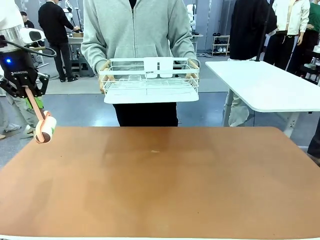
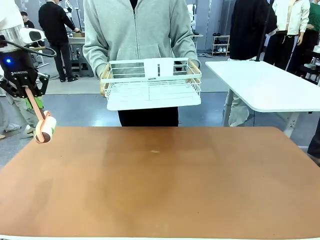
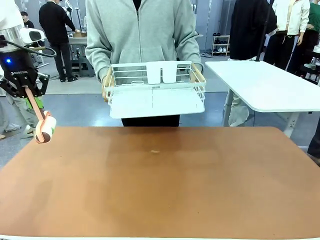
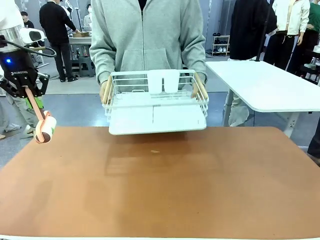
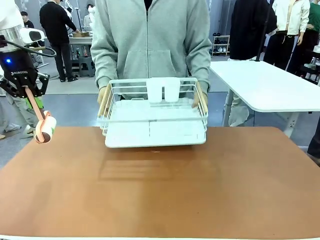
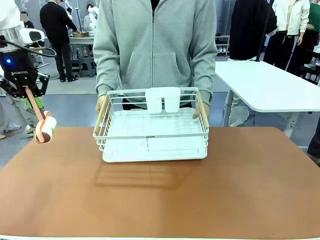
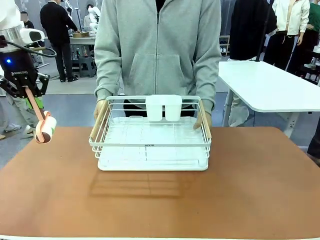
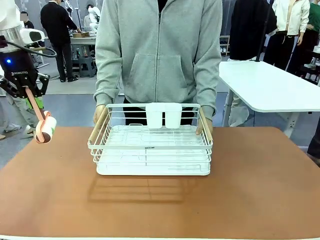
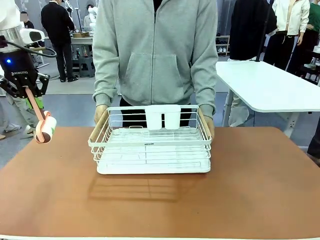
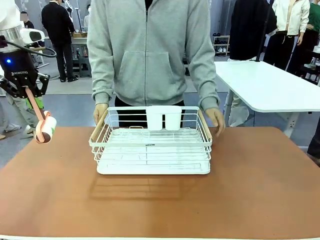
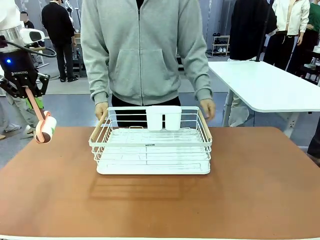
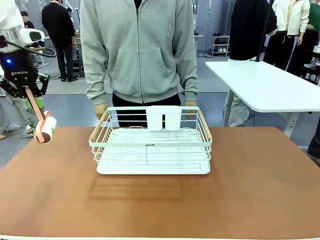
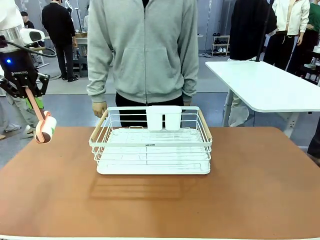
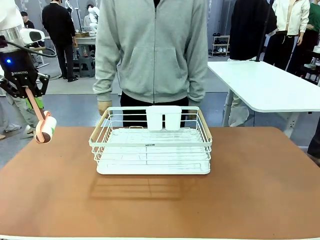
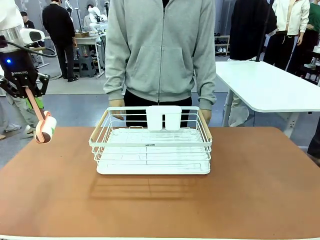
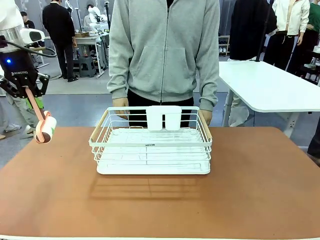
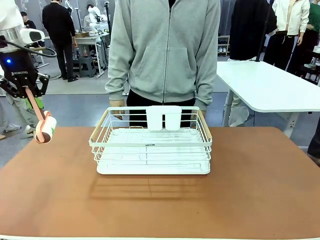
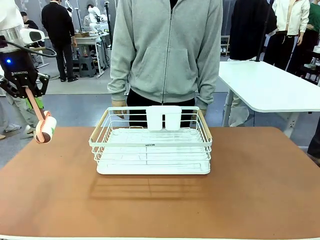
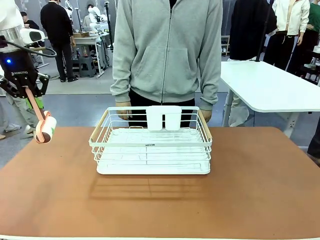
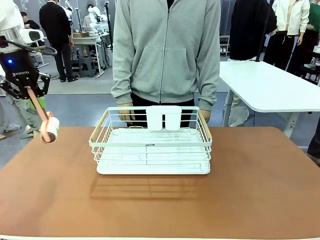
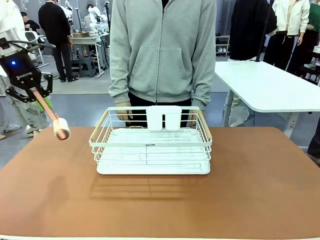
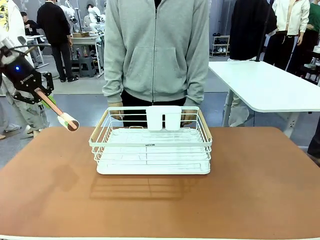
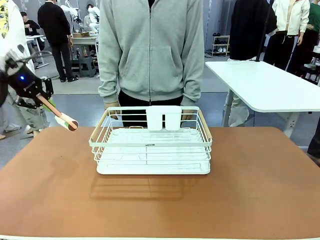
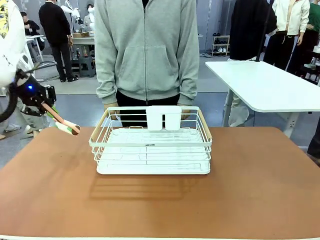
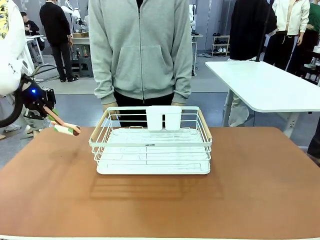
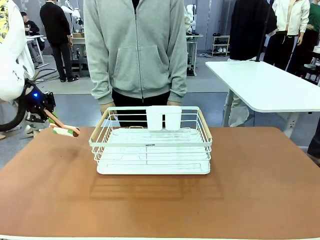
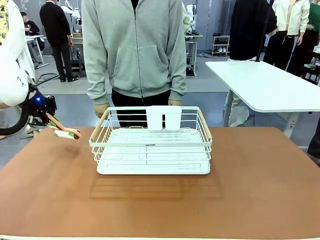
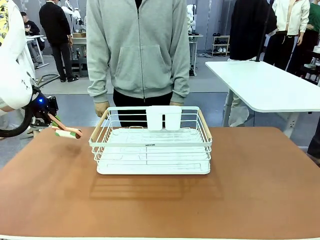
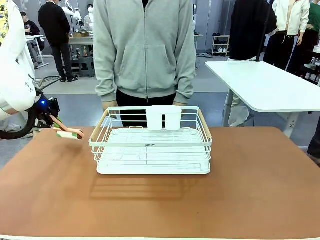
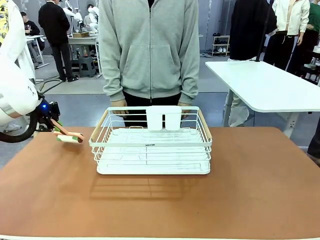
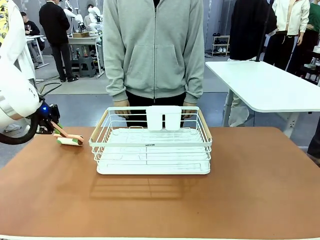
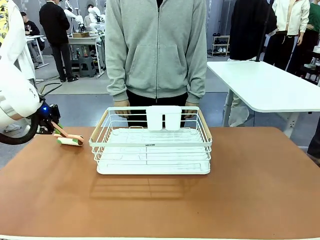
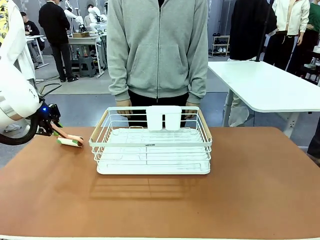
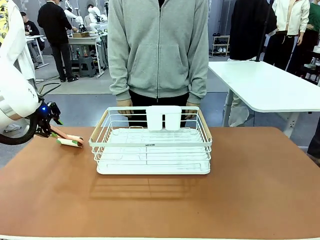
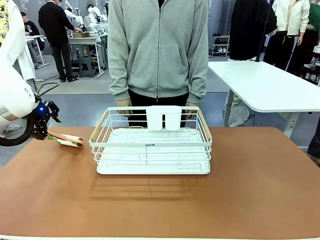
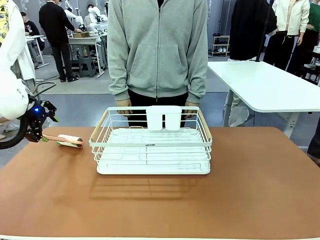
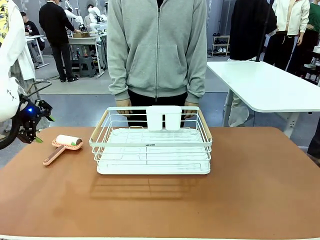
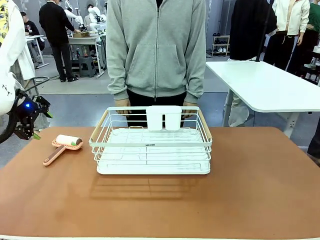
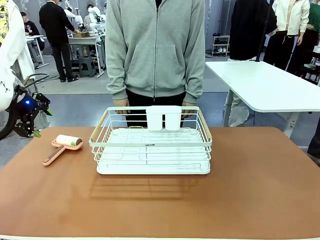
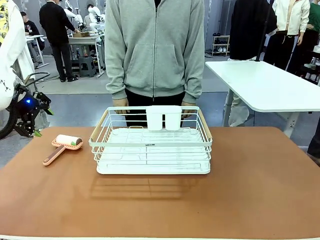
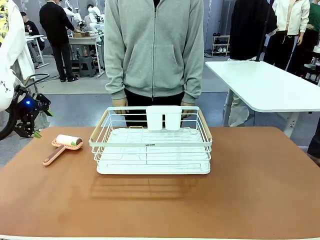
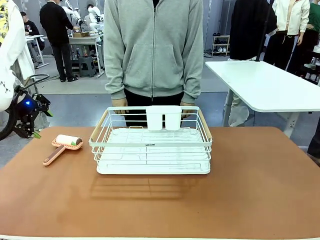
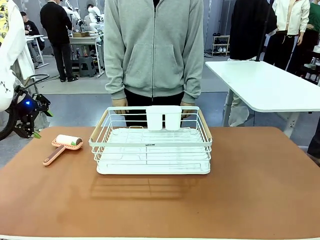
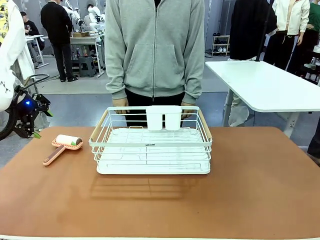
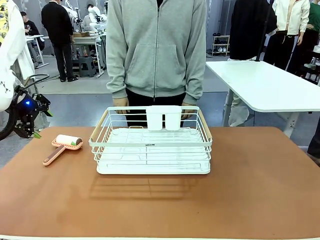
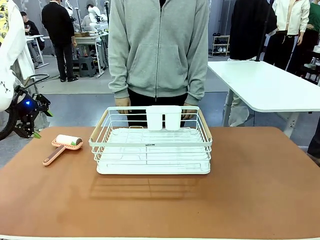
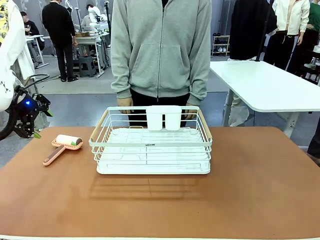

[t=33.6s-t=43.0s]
Task: Clean the table.
Robot: Place the Lint Roller down when the Dish drying rack is positioned in the middle of the table.

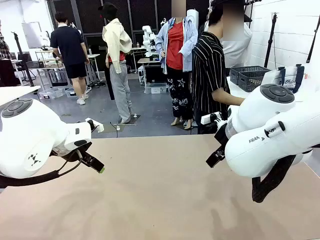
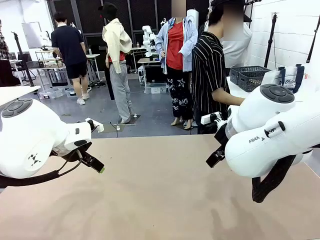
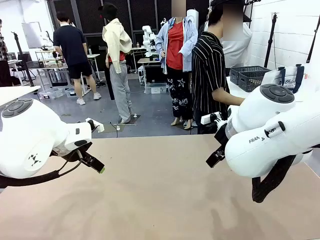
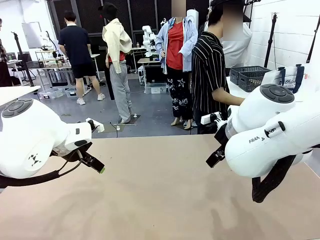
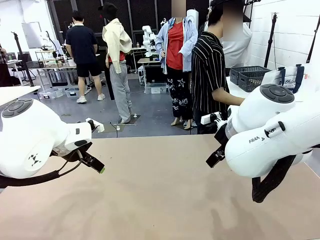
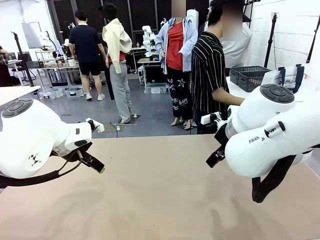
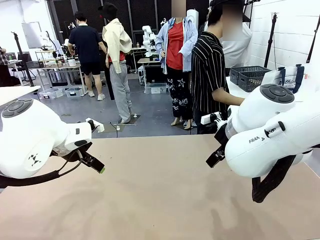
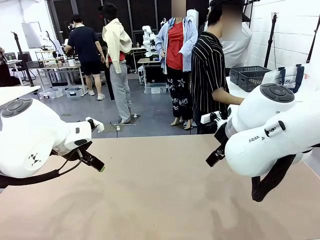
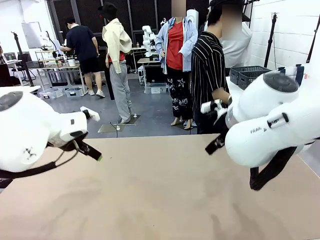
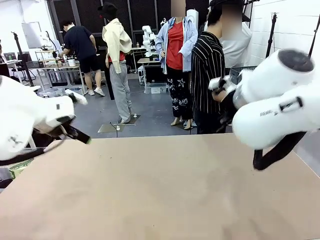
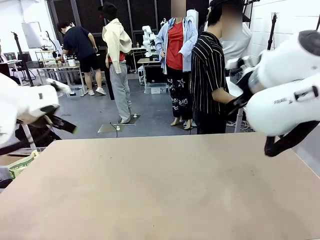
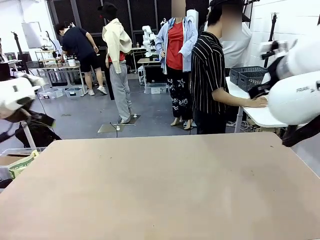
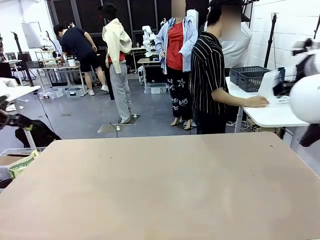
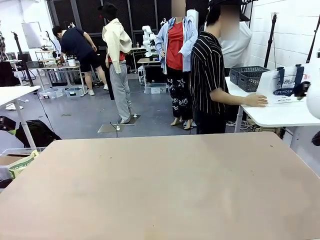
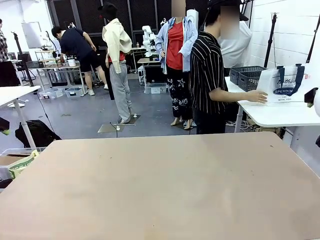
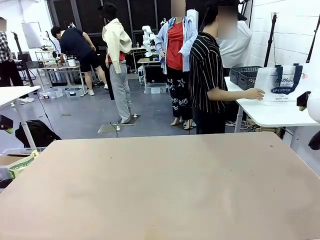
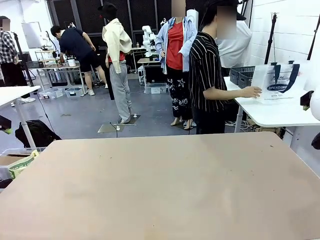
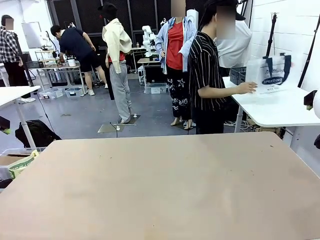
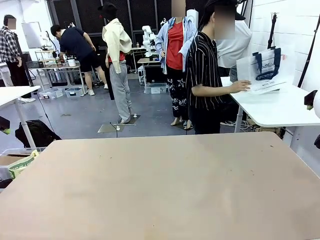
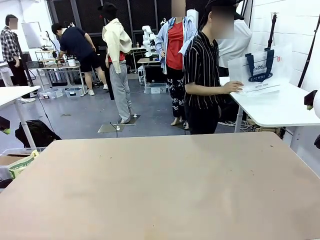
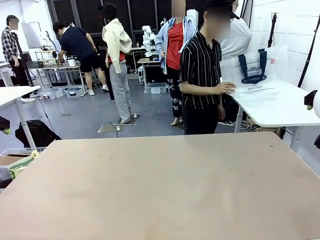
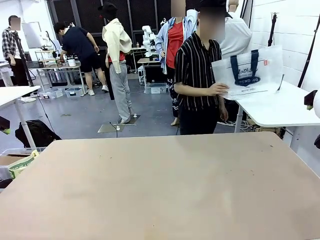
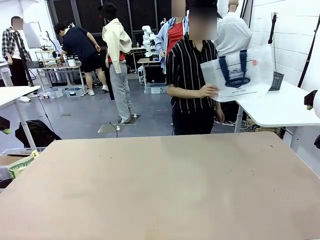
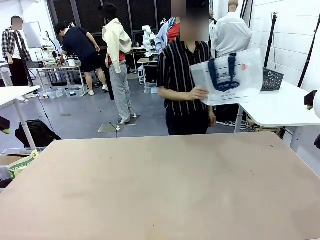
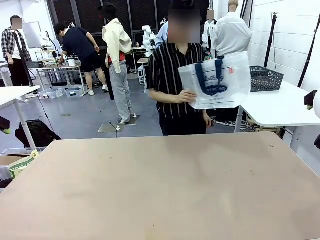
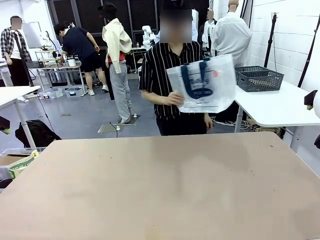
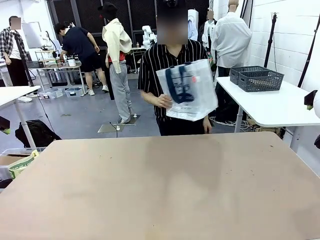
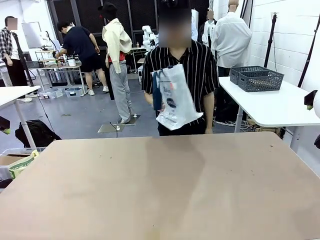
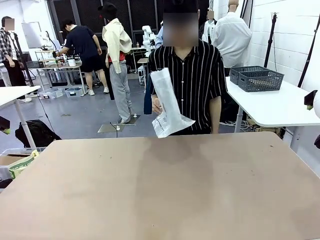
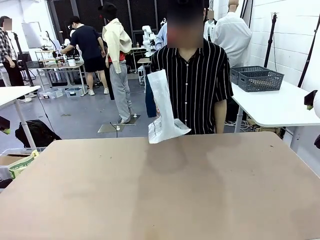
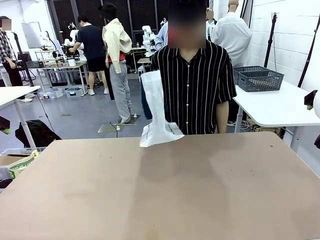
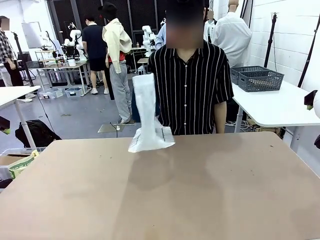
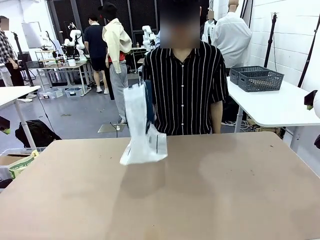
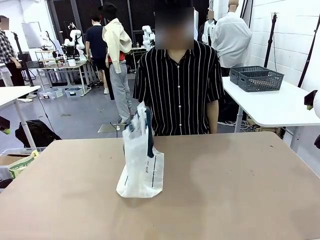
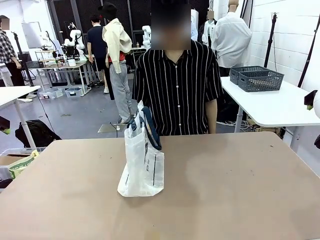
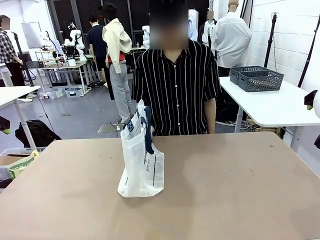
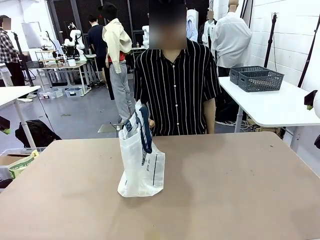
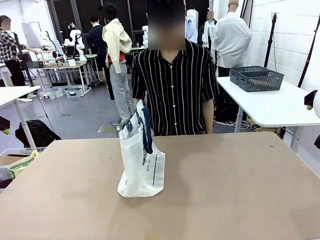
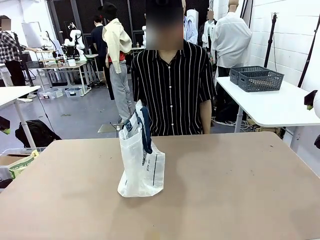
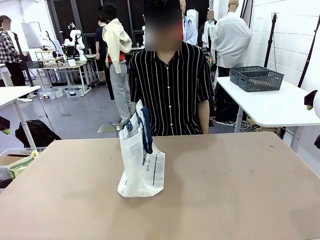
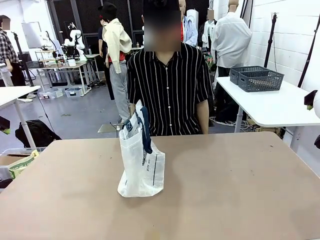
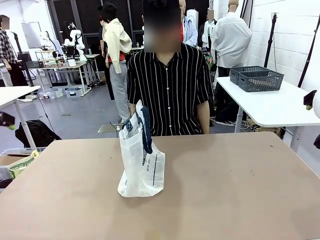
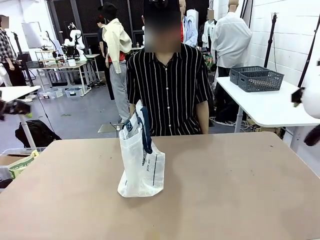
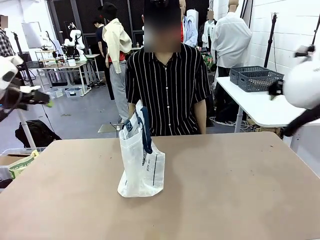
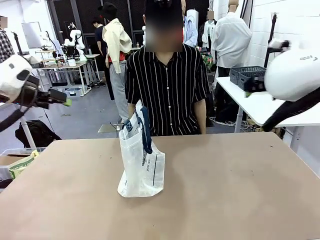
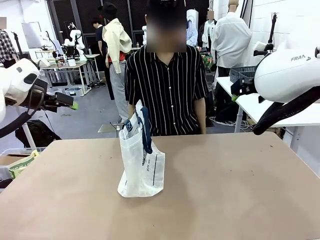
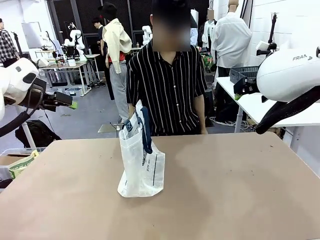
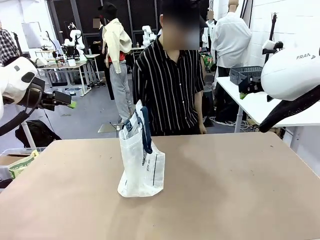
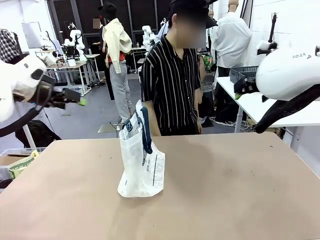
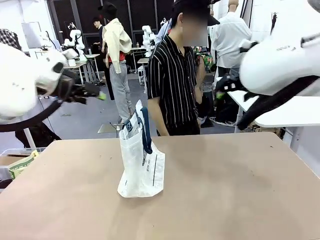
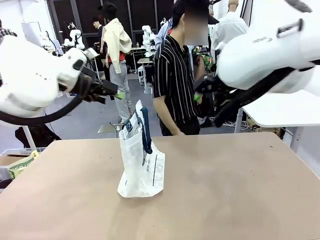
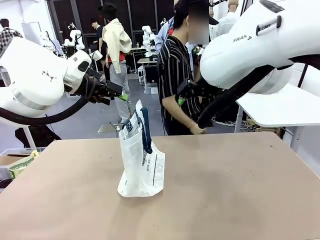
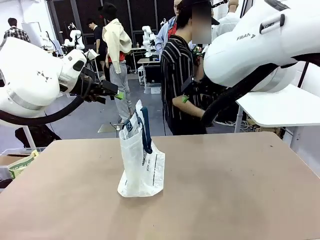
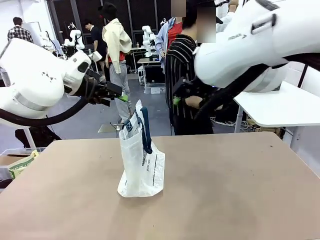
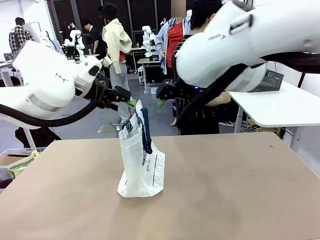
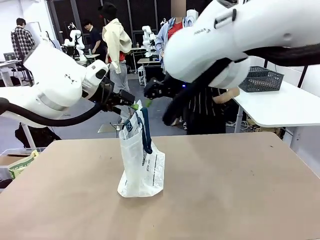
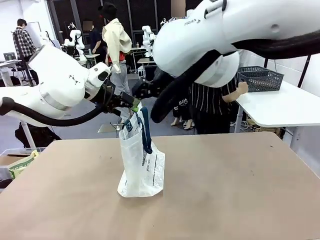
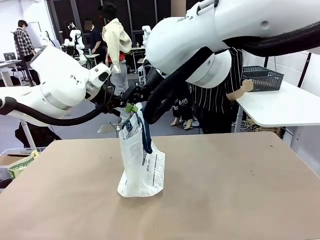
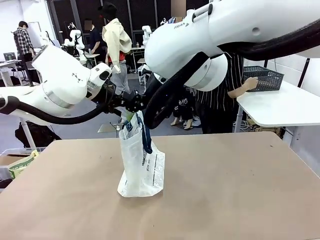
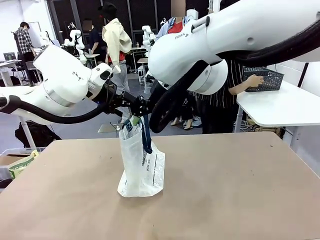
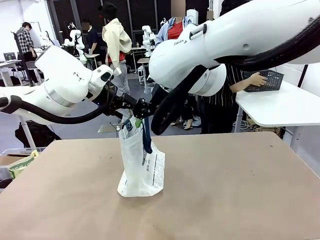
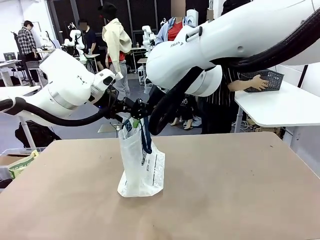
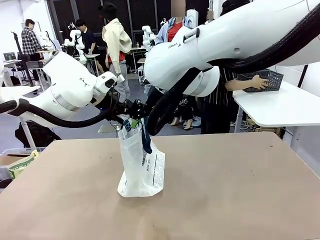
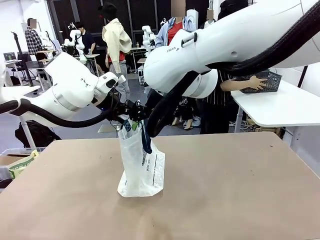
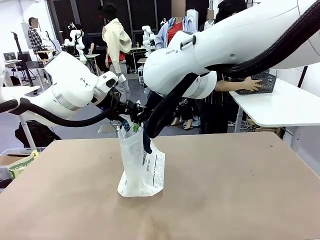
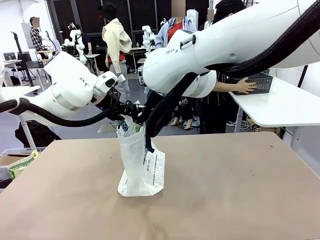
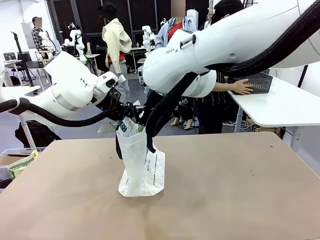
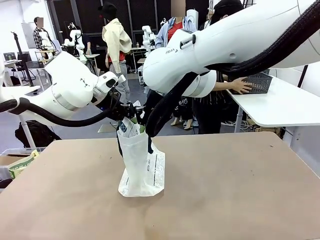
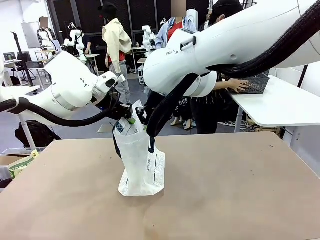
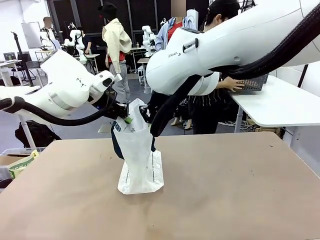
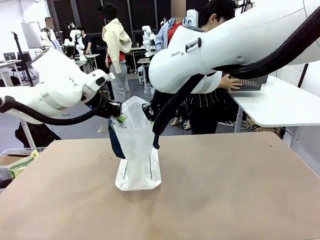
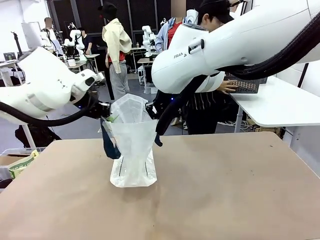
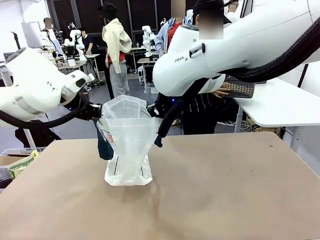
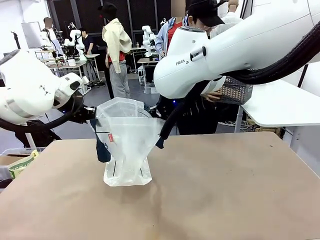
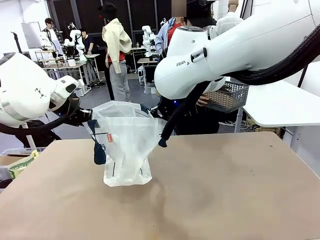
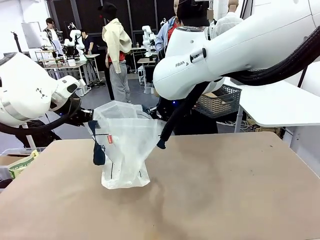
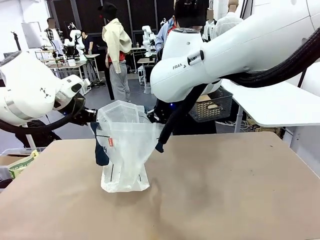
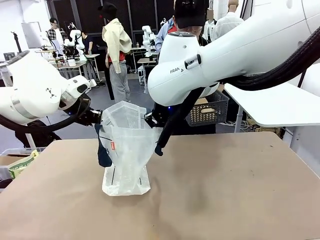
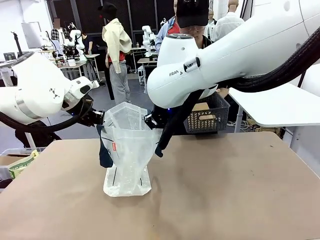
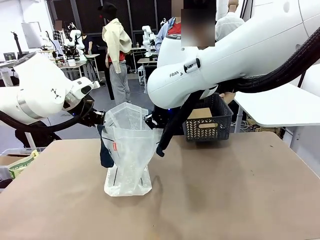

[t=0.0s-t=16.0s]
Task: Transfer purchased items from the store into the shopping bag.
Robot: Open the Reusable shopping bag in the center of the table.
Person: Pick up the shopping bag and place it in the middle of the robot table. Pick up the basket on the right, place it on the left side of the robot table, and move the items in the basket to the shopping bag.
